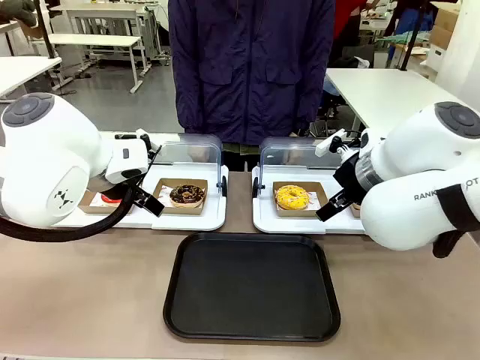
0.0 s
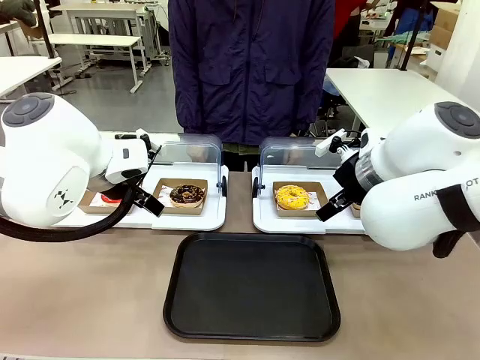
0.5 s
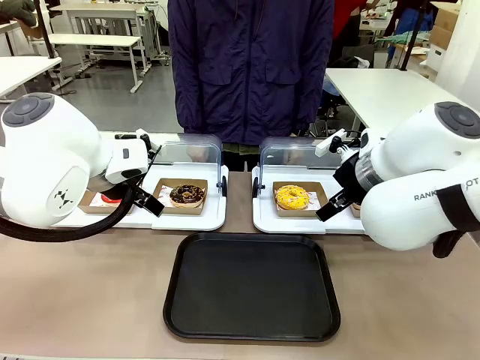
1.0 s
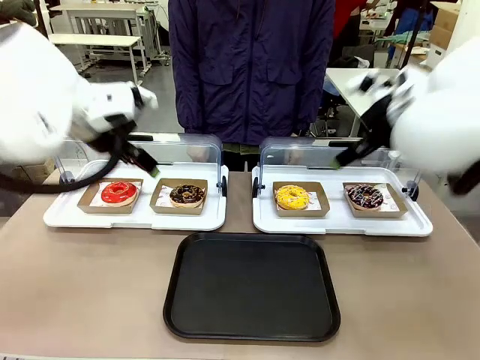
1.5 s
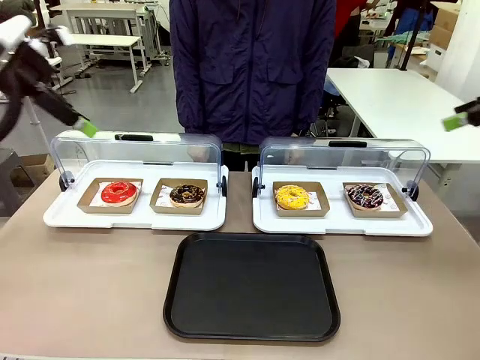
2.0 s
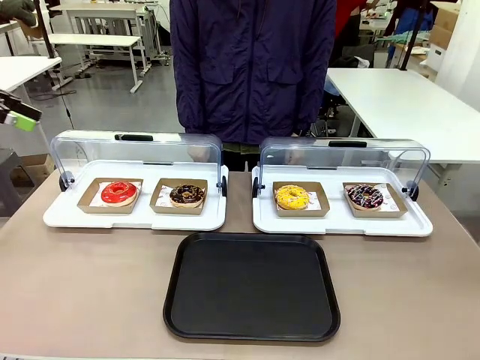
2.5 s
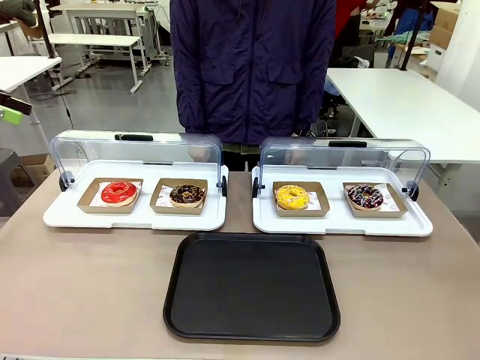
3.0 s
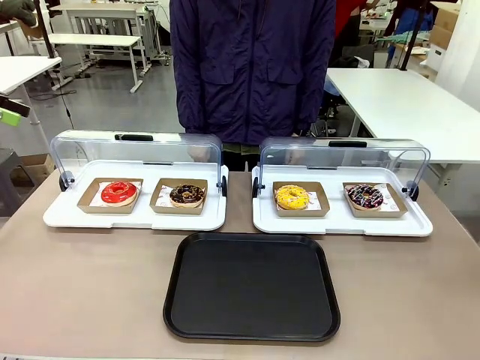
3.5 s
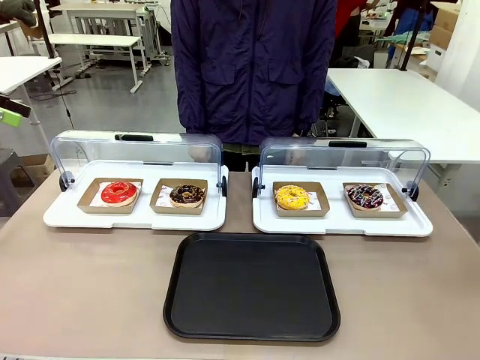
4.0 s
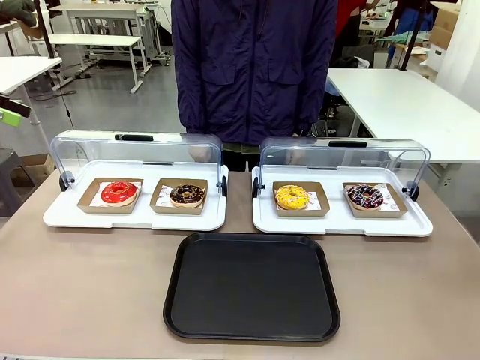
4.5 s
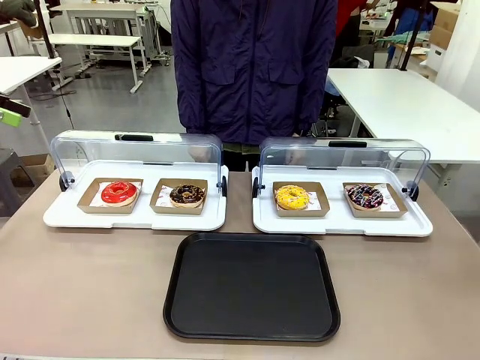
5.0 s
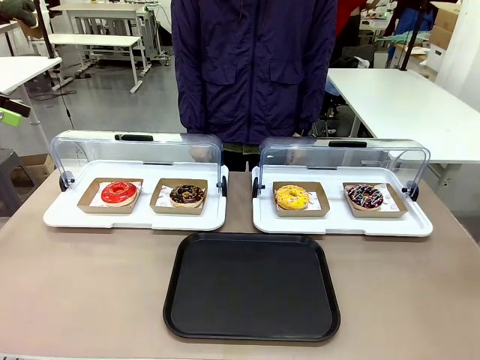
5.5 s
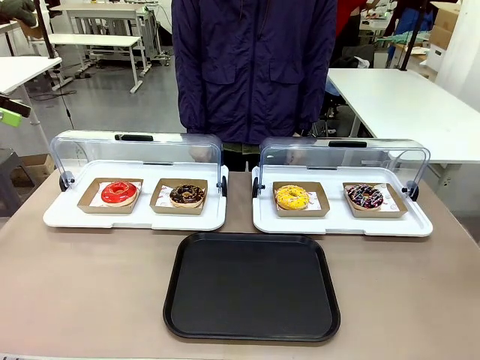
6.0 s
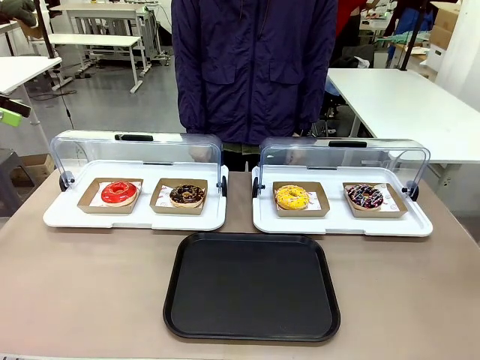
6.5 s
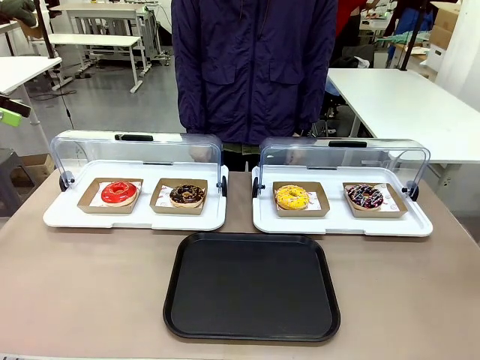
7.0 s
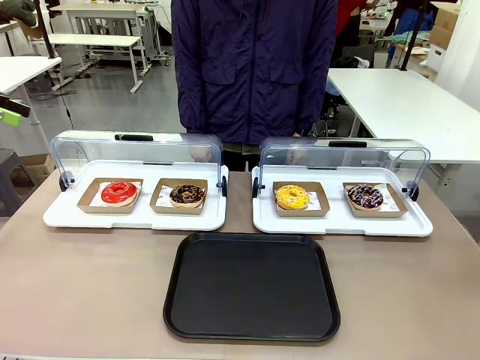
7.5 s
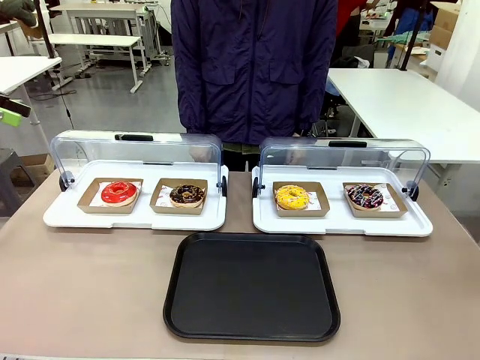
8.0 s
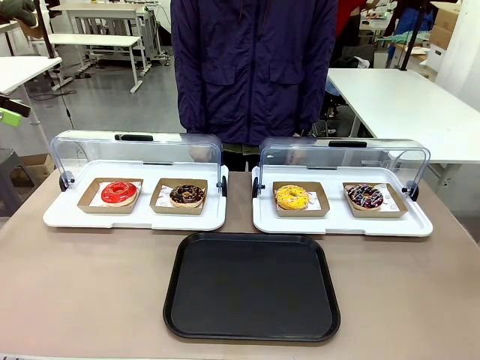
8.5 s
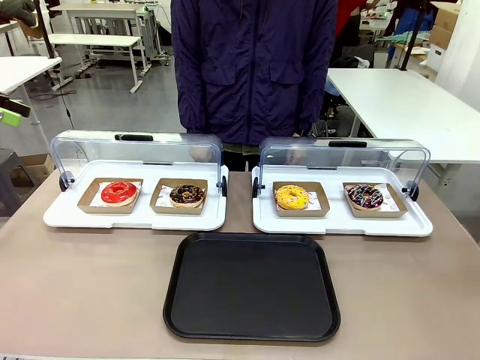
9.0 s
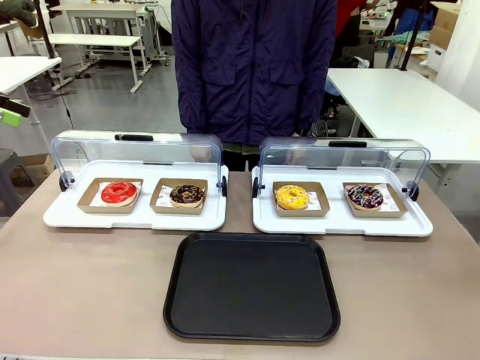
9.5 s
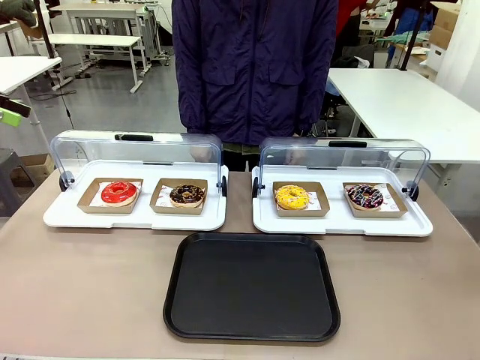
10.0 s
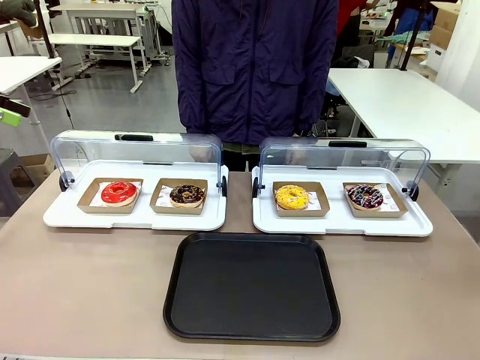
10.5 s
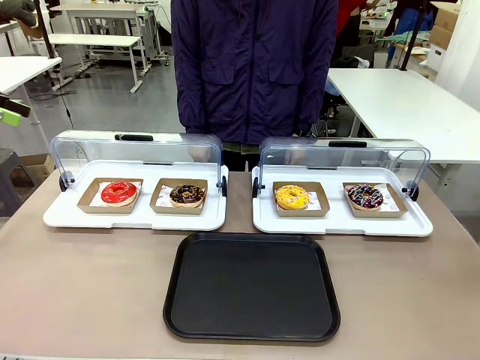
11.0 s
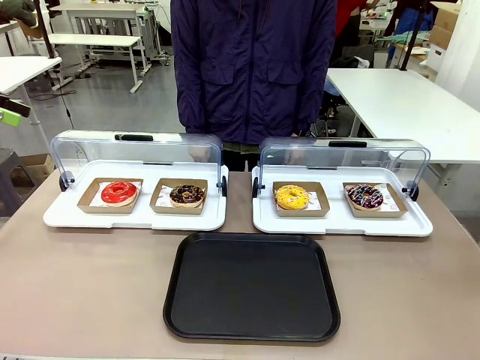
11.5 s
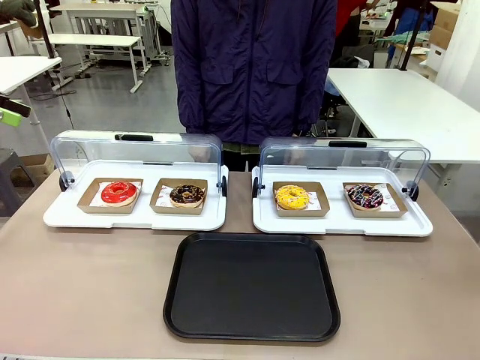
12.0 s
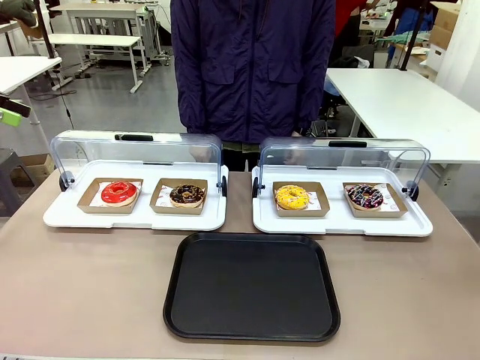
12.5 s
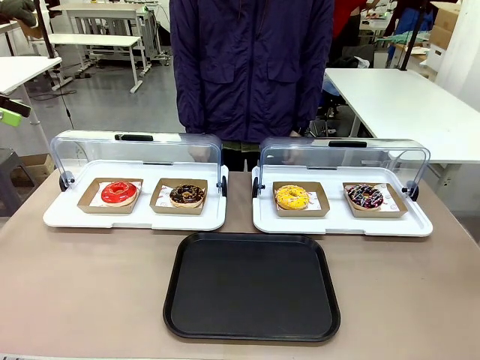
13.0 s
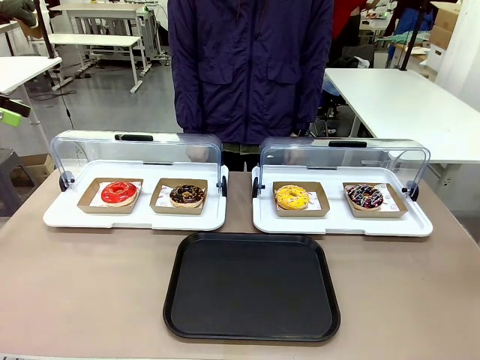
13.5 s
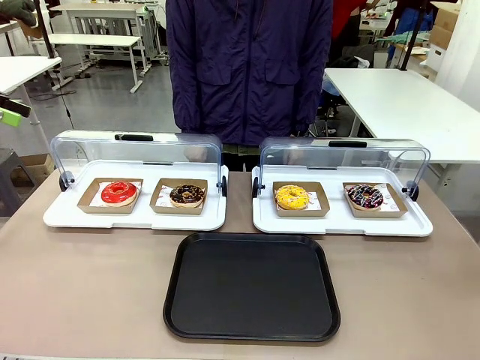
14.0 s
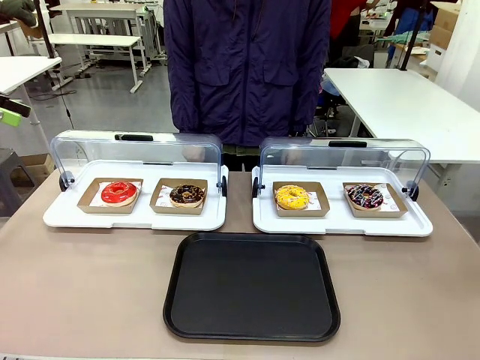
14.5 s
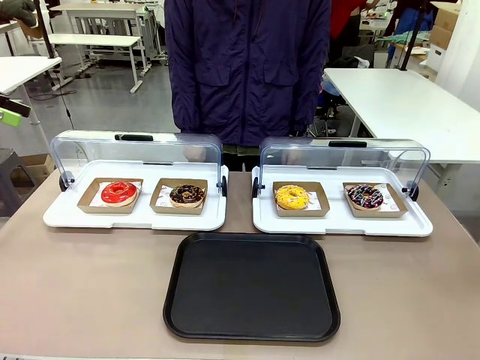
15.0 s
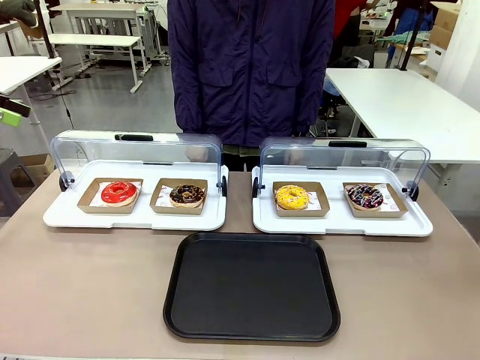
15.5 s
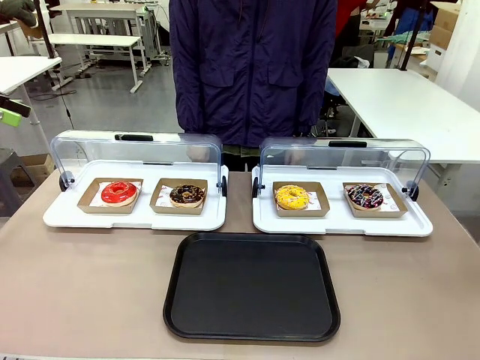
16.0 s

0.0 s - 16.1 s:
Task: Move the second donut from the left to the tray.
Robot: Pick up the Paper togo box containing the Donut indicated by the person and place it on the Handle tray.

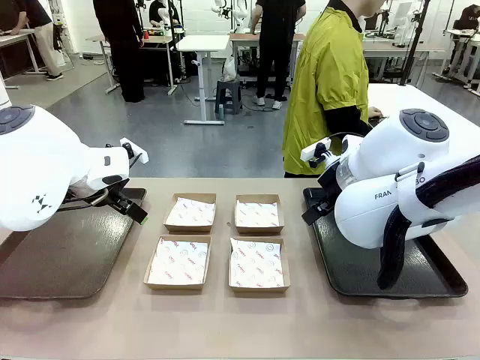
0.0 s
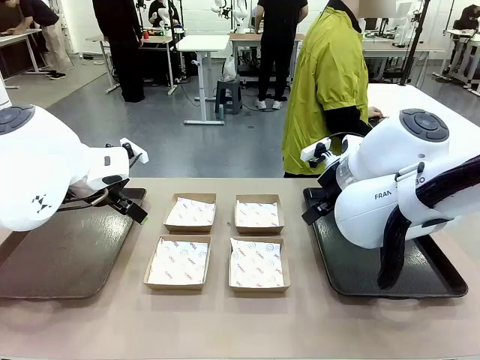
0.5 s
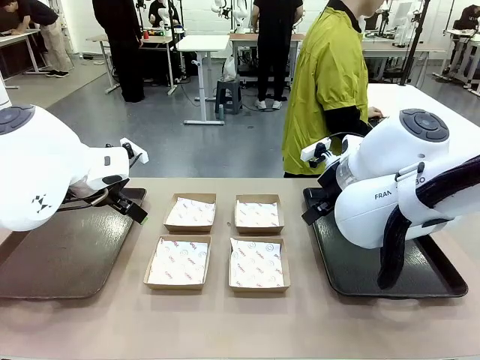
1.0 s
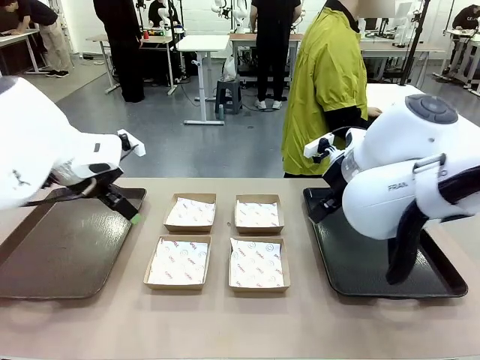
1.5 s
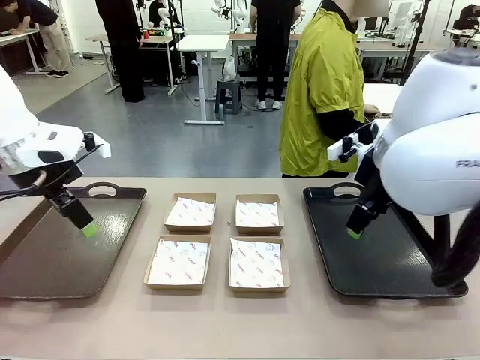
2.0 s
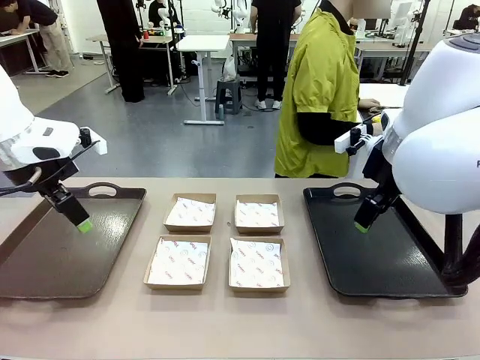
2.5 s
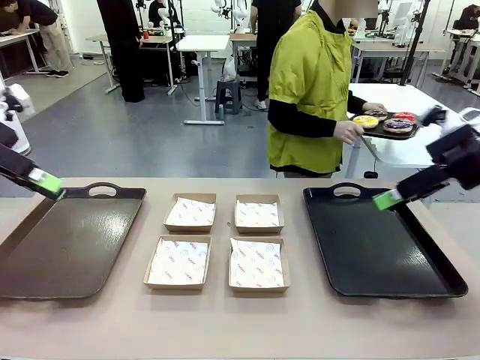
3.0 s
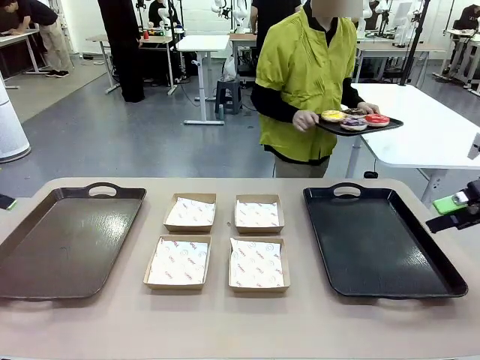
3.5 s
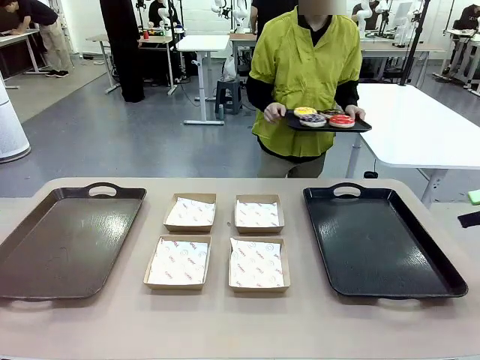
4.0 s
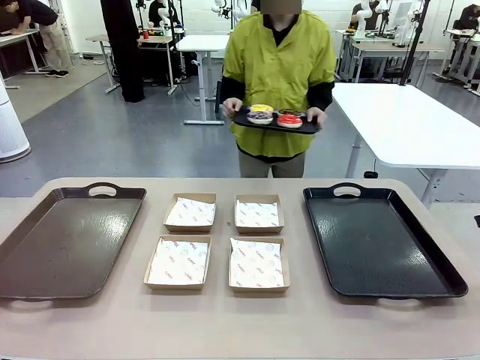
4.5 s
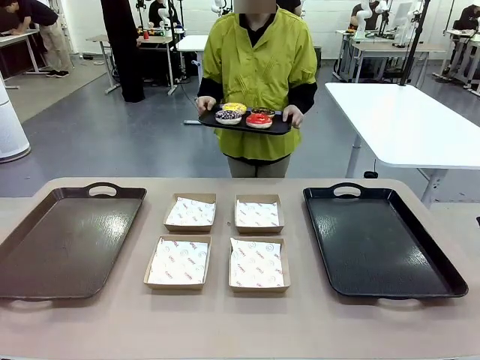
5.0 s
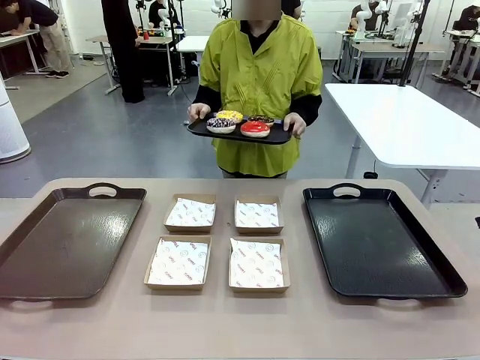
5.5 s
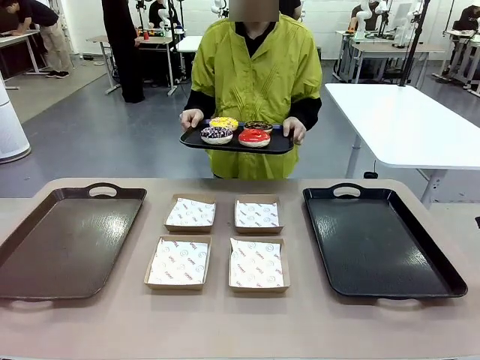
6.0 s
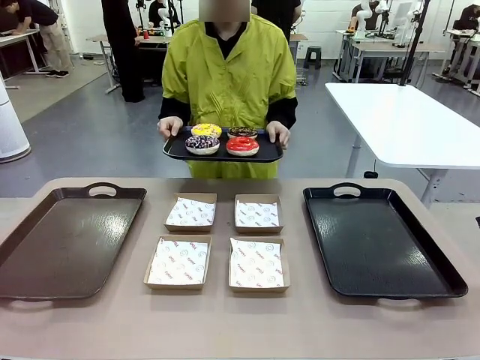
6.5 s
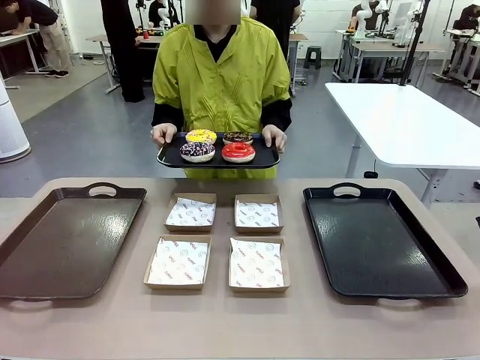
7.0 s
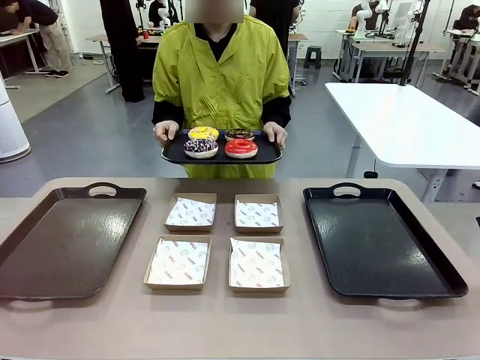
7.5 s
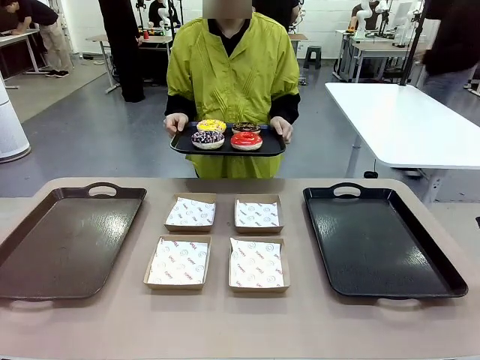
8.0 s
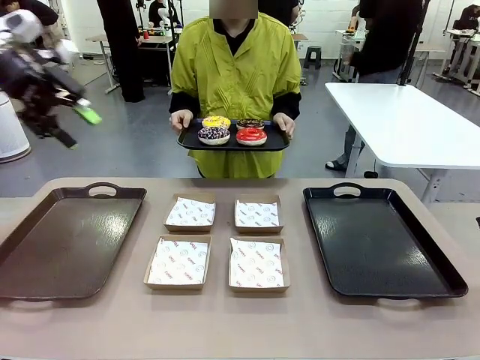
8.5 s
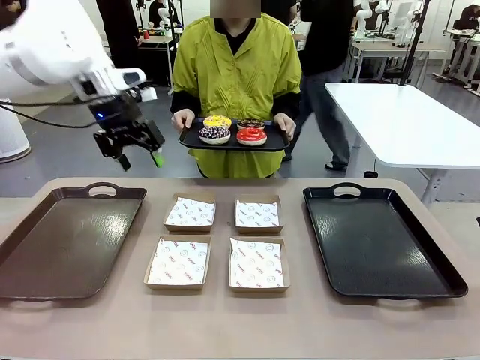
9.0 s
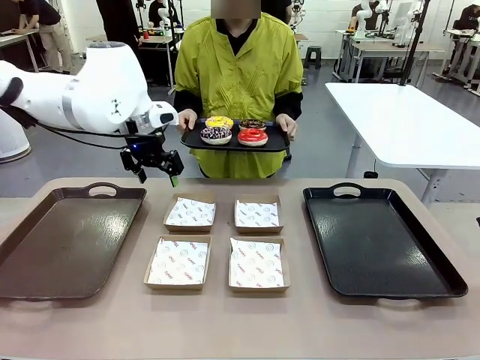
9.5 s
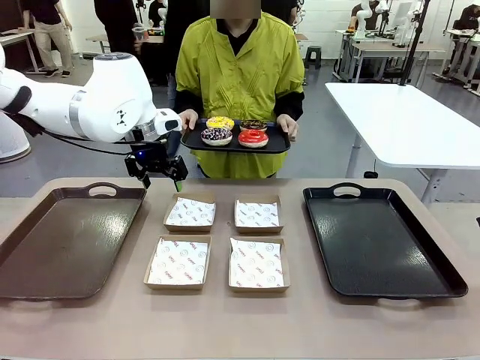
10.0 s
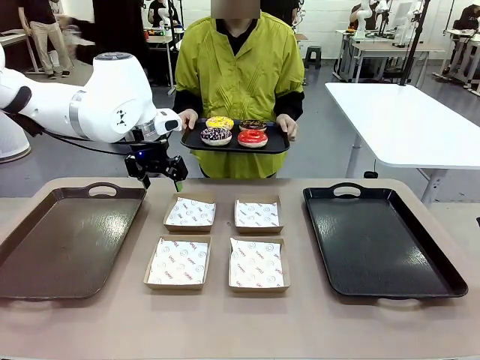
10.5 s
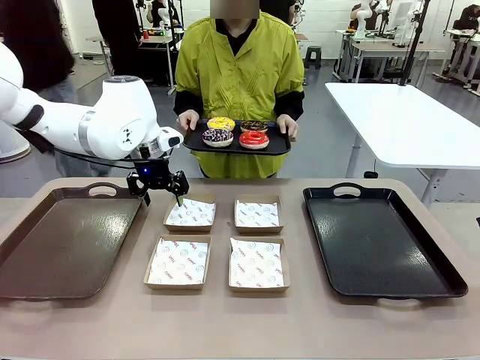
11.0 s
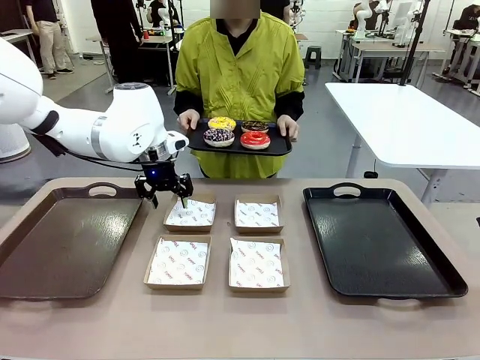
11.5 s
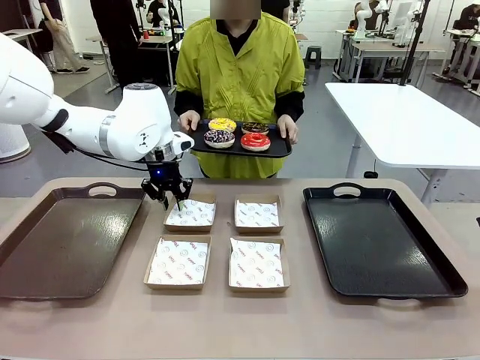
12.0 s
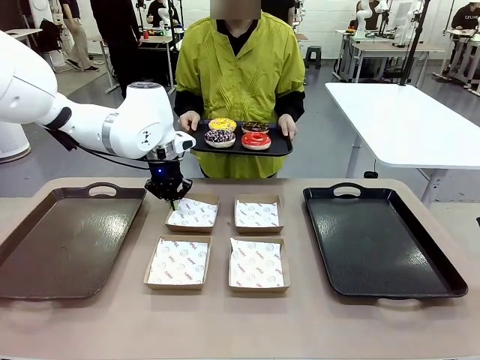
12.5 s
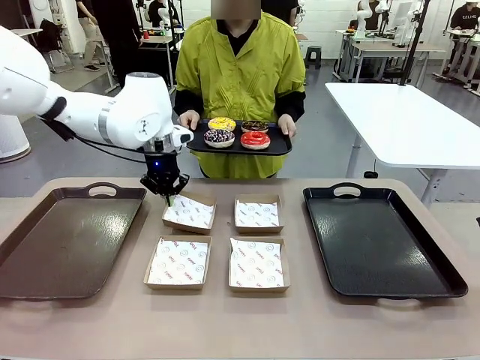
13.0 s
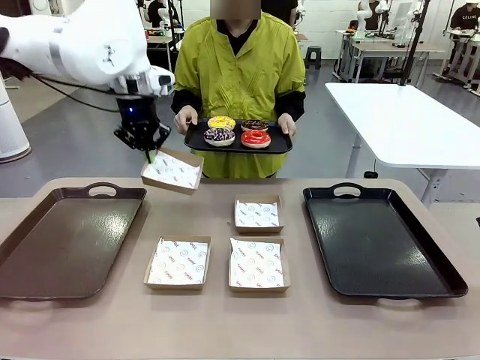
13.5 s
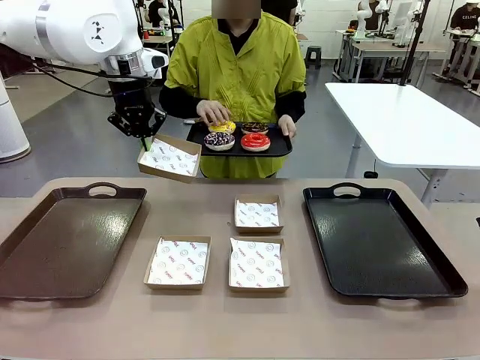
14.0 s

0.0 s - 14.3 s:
Task: Individually package the donuts and arrange them on the tray.
Robot: Pick up one Paper togo box.
Person: Stand in front of the robot table holding the tray containing the donuts.
